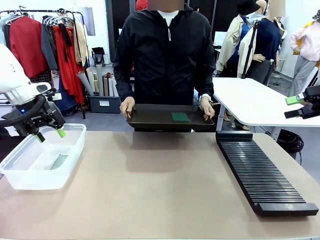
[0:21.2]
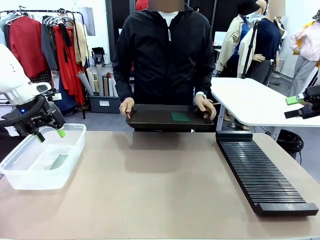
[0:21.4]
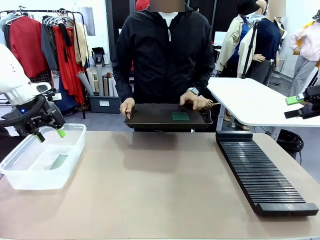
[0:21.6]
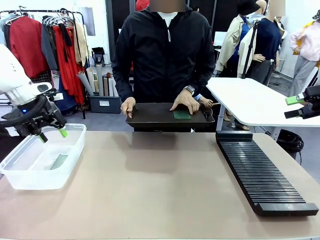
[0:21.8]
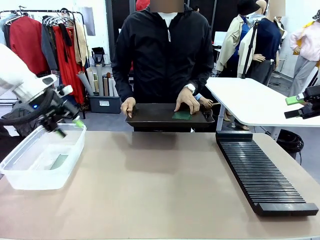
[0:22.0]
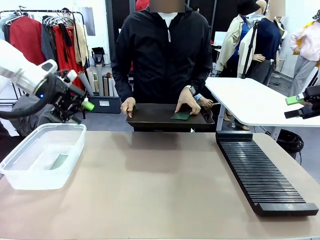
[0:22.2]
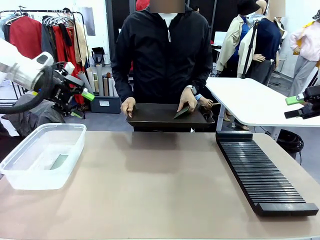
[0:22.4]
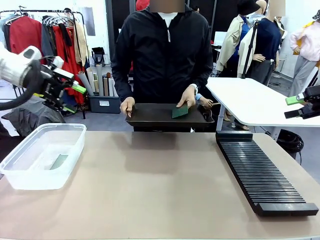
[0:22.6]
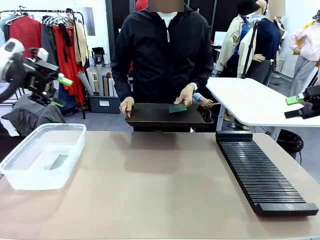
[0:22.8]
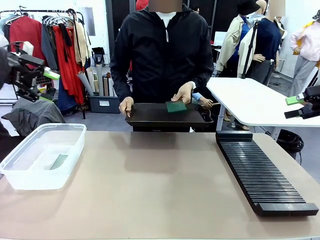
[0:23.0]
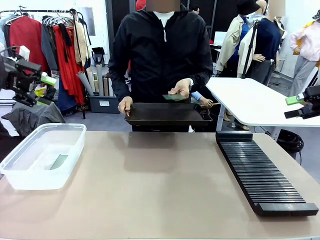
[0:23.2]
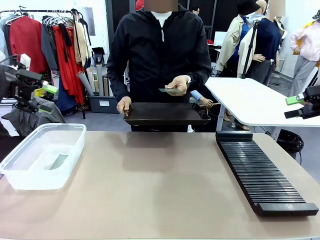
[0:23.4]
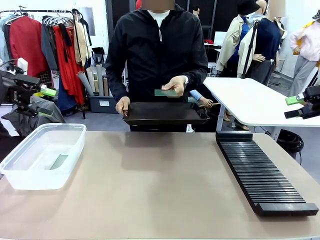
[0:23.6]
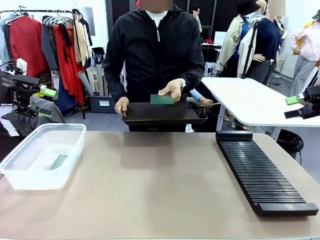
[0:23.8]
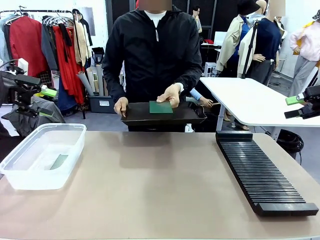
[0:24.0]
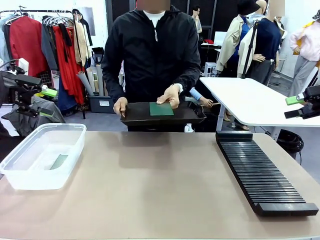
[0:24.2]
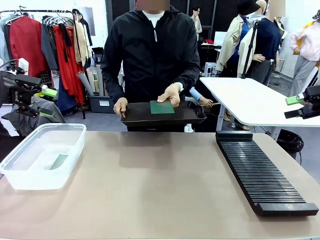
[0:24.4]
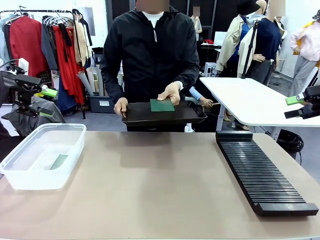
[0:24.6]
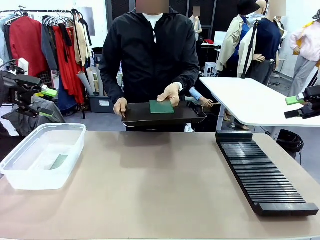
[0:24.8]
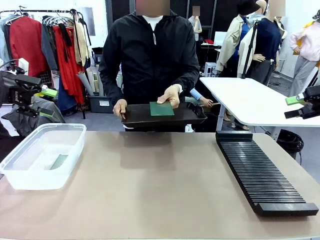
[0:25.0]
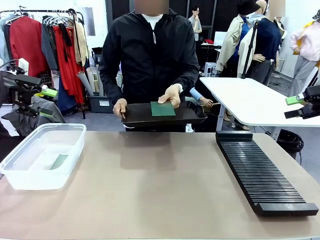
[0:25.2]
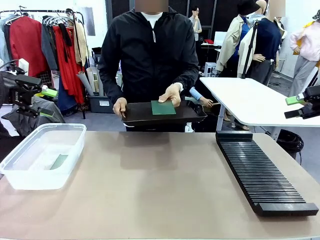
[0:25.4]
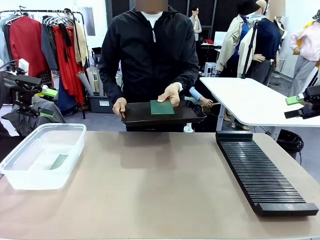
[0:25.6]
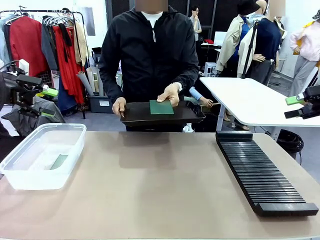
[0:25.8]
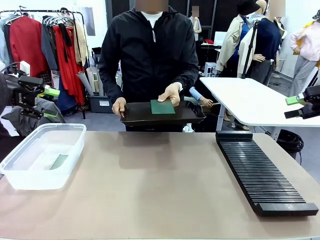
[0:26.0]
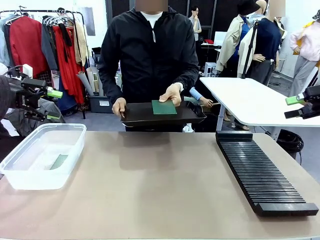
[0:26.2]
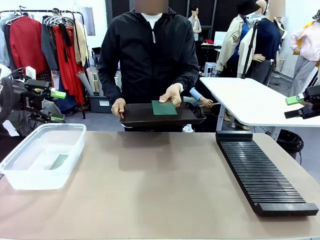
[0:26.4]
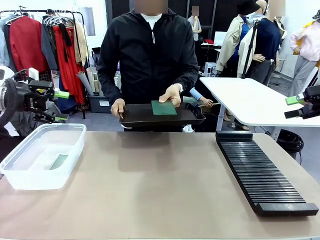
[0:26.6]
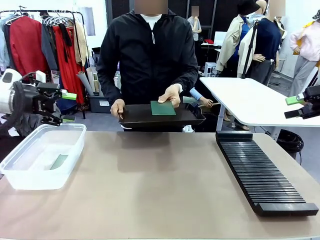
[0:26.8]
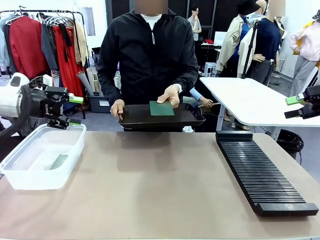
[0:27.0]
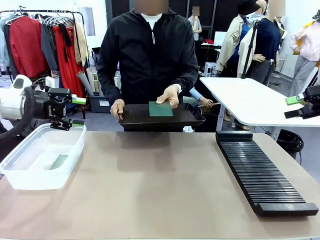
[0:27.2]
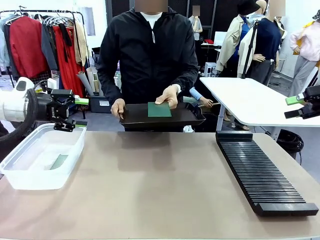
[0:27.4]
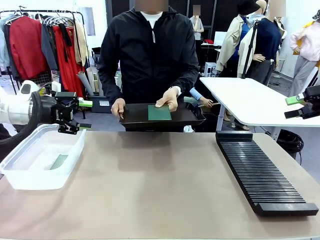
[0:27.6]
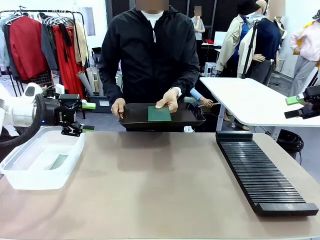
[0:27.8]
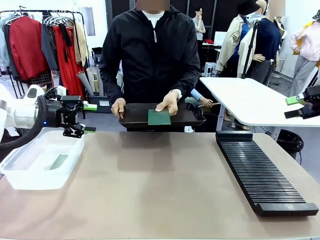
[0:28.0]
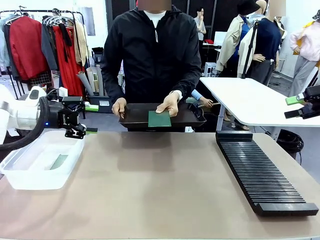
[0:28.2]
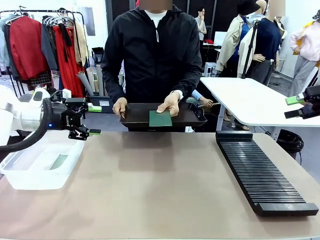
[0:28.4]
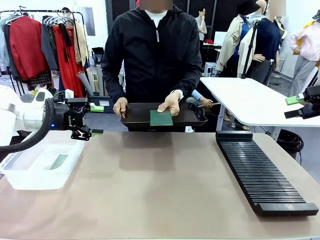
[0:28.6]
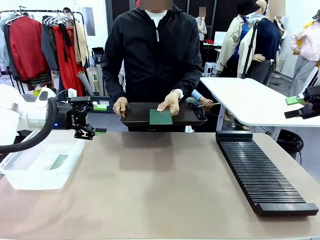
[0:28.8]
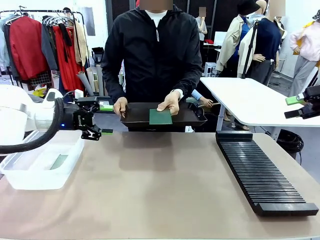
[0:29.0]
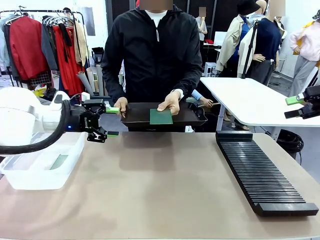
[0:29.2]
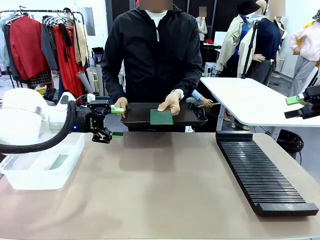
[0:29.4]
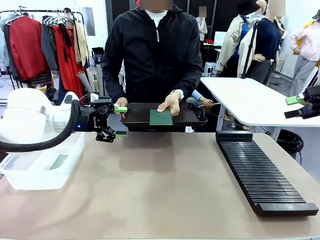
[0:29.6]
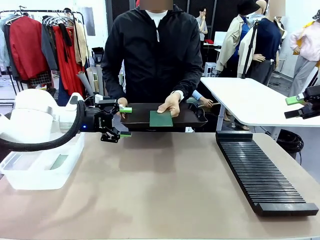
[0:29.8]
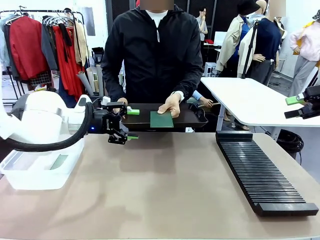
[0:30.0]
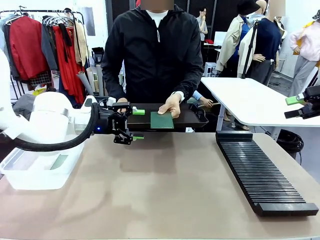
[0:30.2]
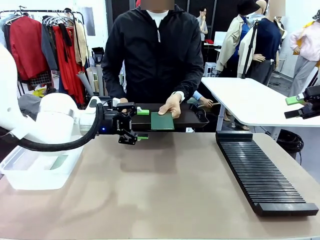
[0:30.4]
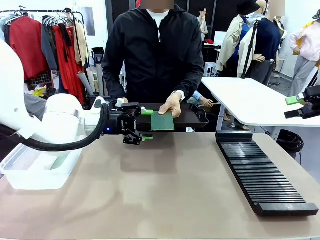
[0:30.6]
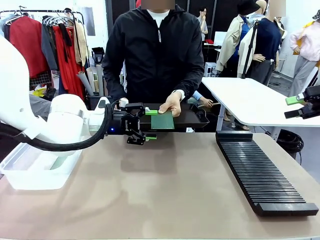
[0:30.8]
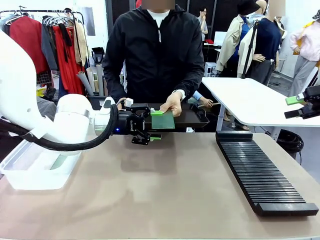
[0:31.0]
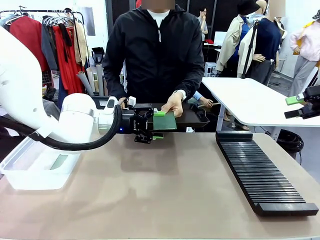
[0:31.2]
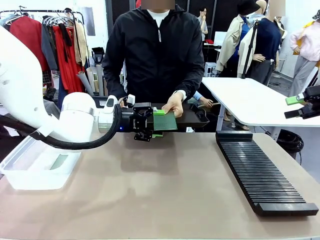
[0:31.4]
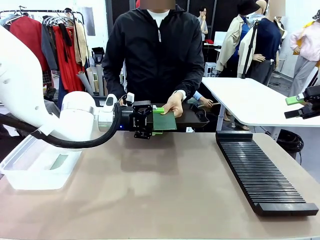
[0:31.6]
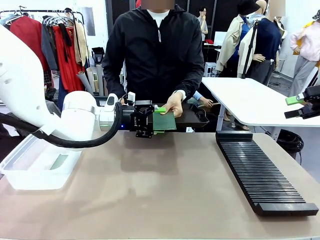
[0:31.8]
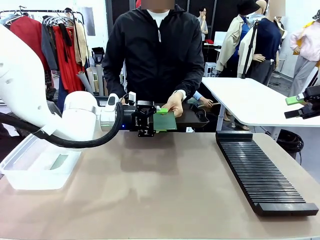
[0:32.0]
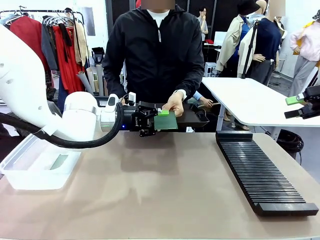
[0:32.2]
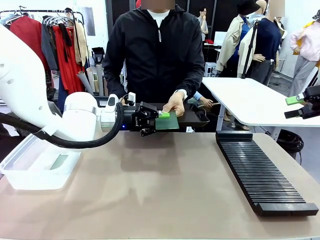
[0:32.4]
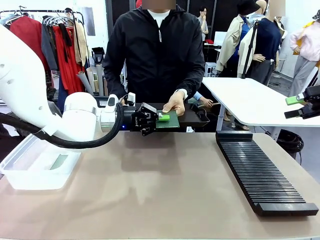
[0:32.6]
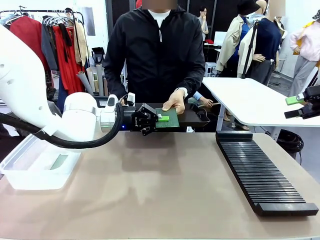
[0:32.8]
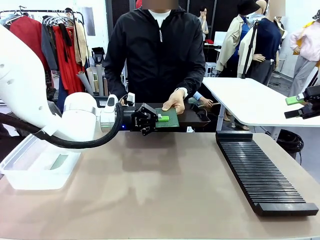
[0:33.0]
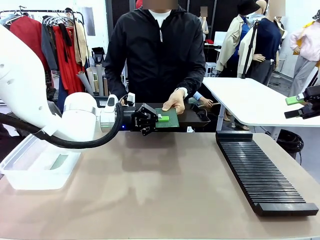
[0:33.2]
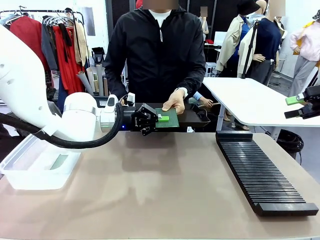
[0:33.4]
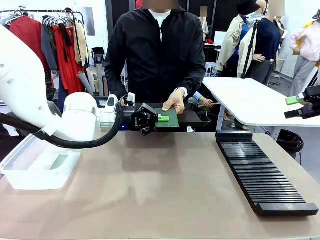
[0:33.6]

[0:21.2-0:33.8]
Task: Sort PCBs into racks and boxes based on the side picked up.
Robot: Pick up the Blank PCB handed by the Human.

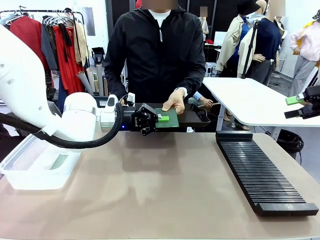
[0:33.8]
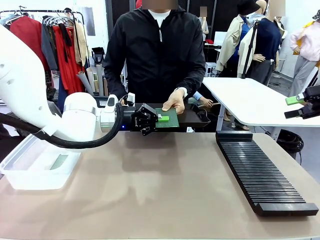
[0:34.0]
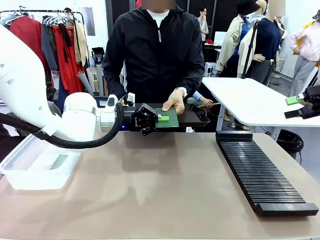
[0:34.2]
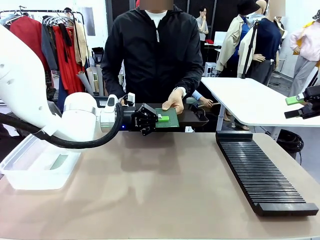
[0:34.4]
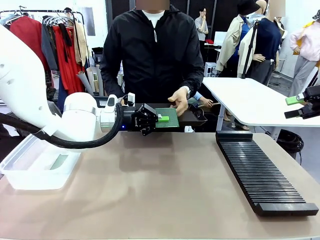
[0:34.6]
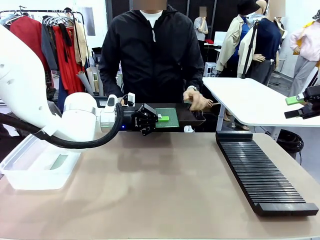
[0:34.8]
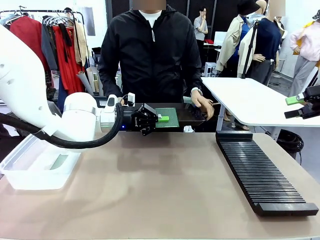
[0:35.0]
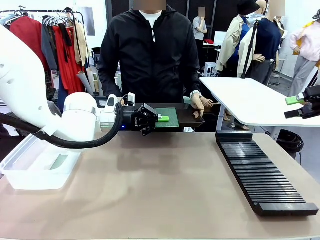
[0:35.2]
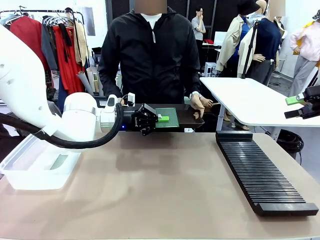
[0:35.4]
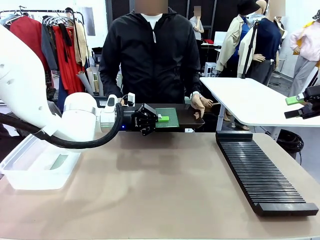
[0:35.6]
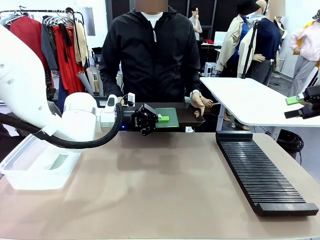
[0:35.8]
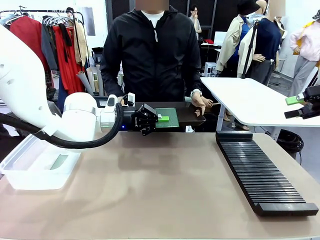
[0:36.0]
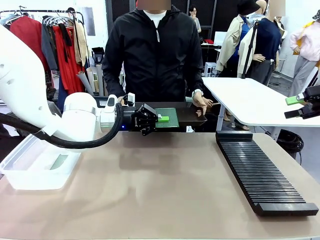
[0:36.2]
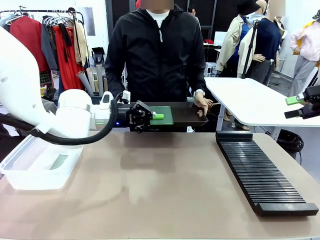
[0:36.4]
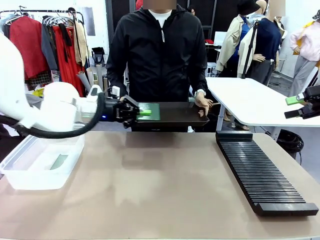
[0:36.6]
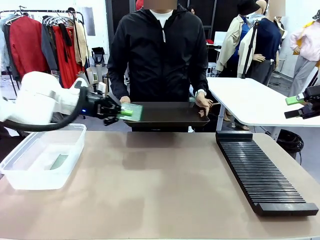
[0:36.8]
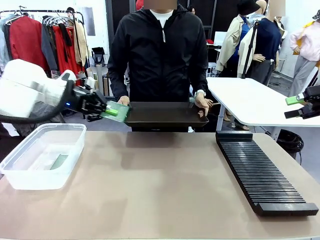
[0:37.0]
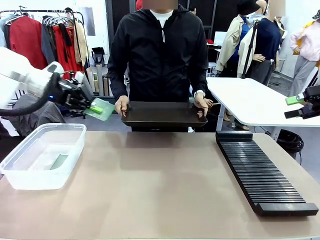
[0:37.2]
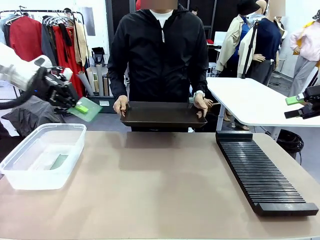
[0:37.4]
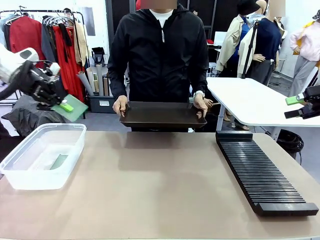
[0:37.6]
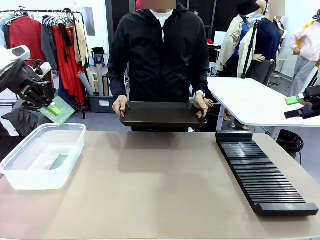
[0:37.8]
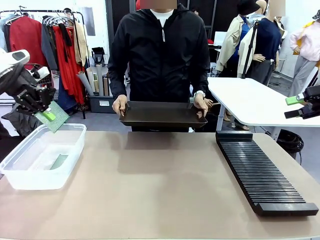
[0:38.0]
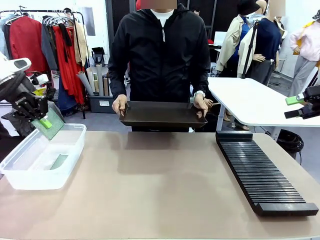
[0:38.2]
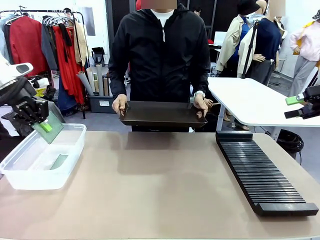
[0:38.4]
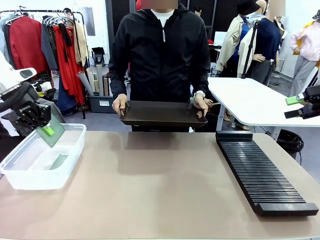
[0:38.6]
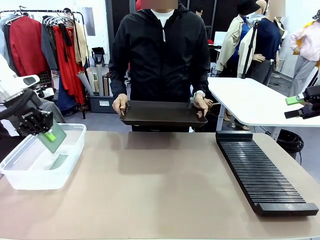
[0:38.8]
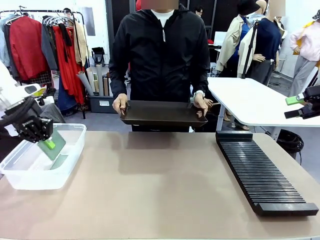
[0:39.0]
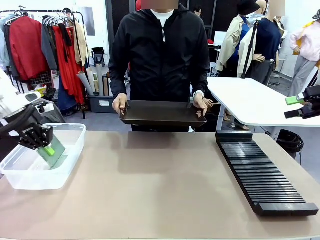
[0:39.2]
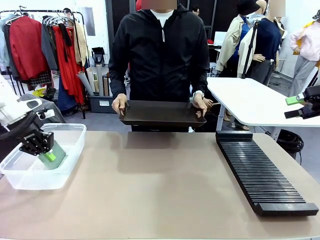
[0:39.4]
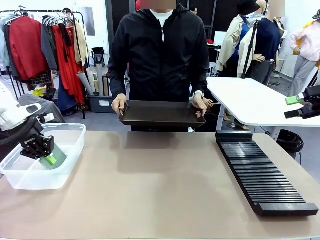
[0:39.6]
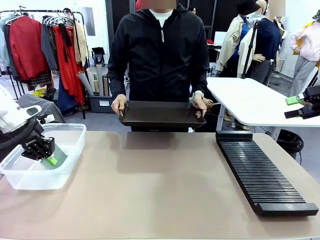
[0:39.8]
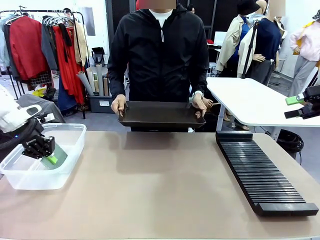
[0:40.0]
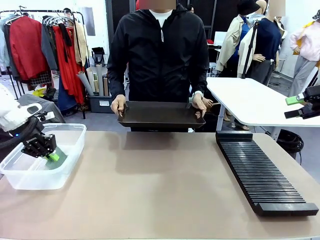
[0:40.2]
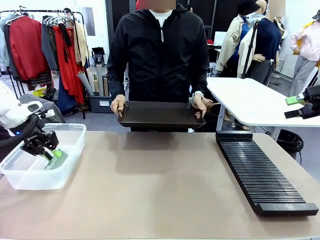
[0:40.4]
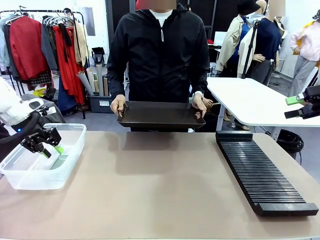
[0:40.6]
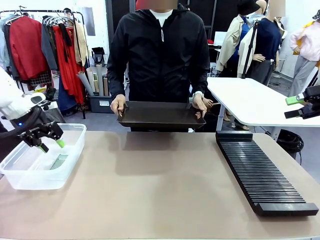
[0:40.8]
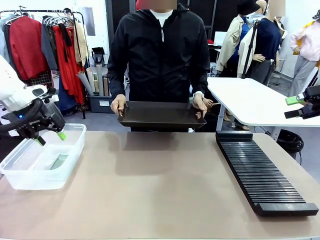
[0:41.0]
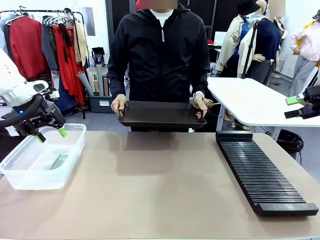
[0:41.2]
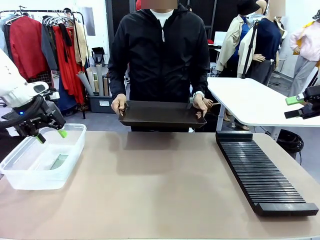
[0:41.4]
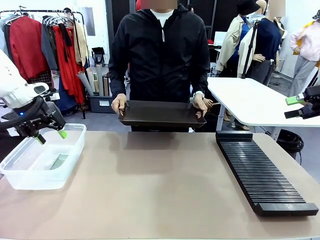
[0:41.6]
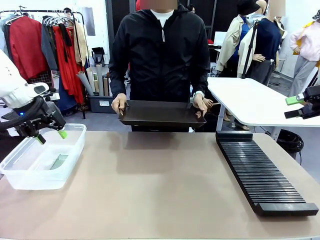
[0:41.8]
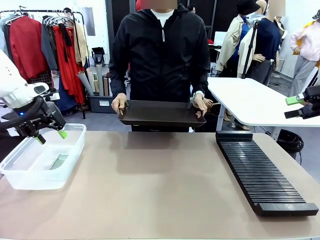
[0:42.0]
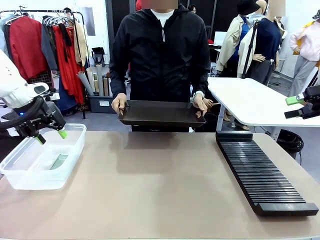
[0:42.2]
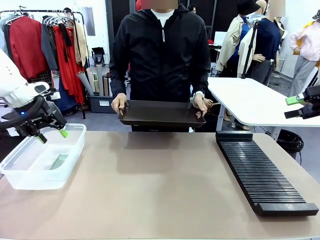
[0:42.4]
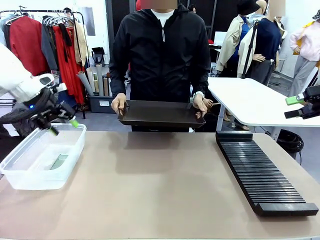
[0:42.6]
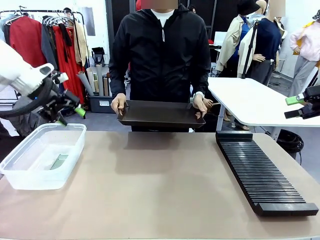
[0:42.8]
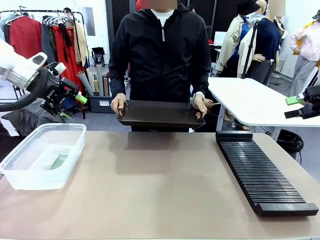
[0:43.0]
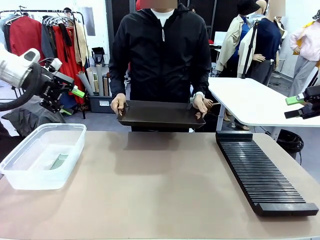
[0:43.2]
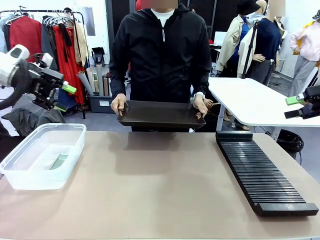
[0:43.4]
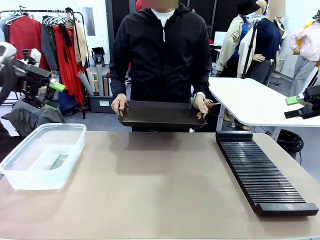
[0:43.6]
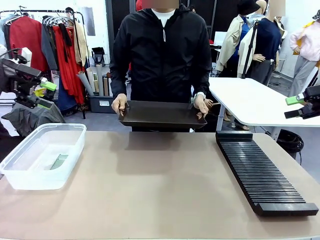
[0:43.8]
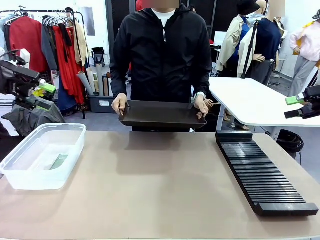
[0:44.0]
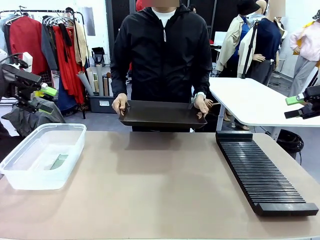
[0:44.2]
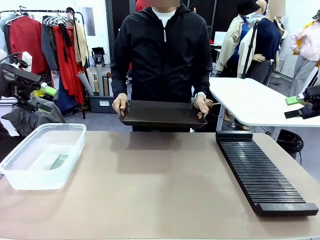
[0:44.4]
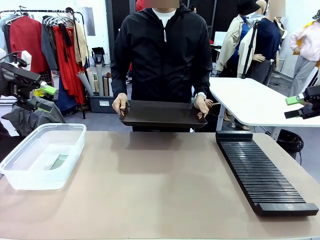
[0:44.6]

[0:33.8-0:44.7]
Robot: If the short side of the Blank PCB is picked up, insert it into the PCB Rack ; if the long side is picked up, place it in the Organizing box.
Person: Release the PCB being held.
